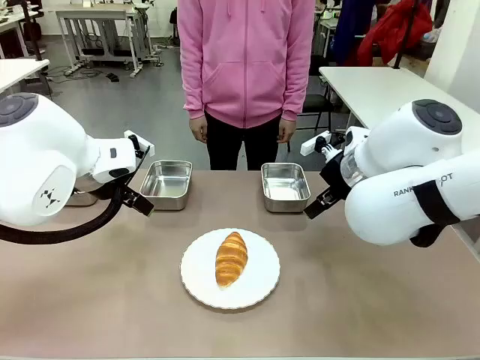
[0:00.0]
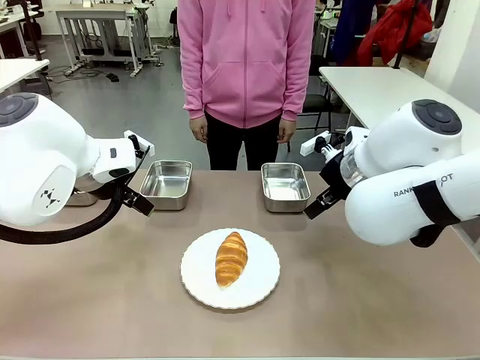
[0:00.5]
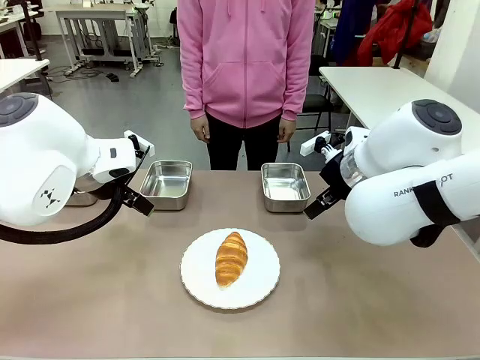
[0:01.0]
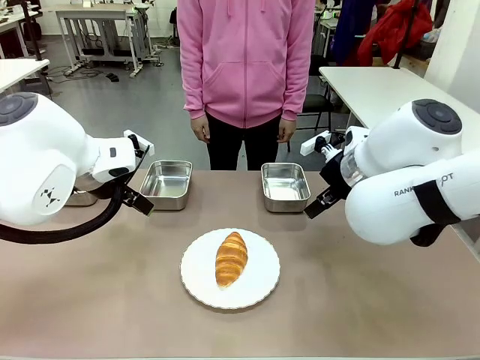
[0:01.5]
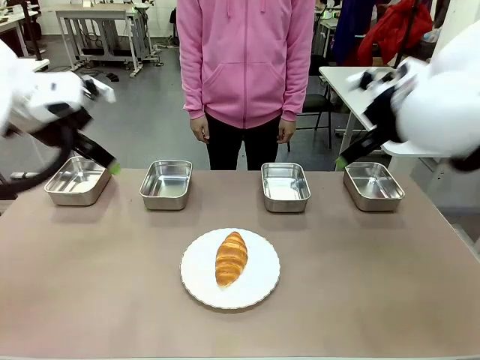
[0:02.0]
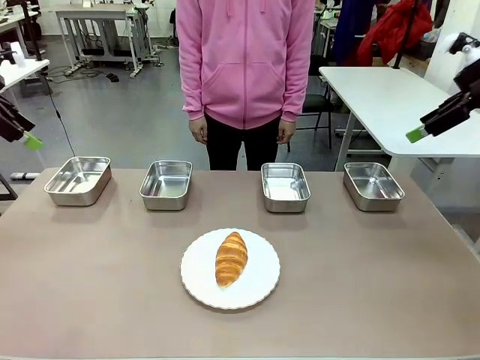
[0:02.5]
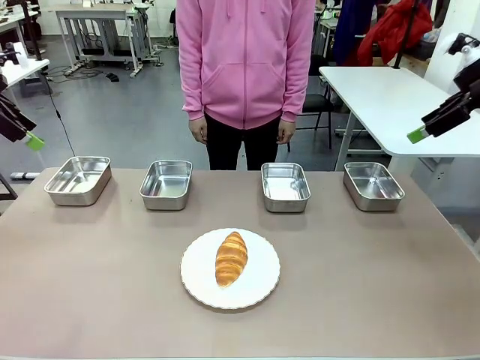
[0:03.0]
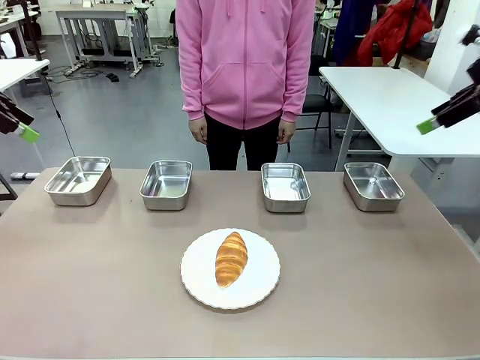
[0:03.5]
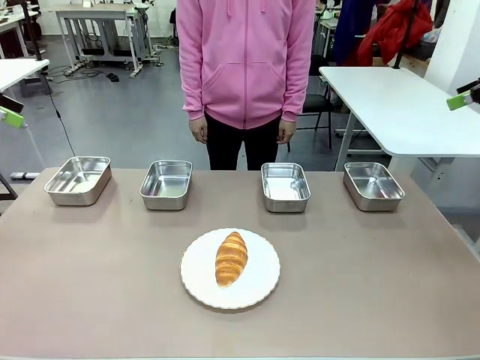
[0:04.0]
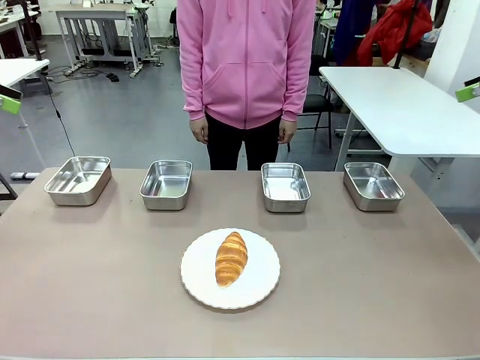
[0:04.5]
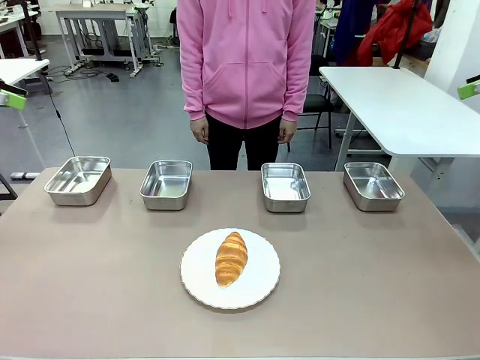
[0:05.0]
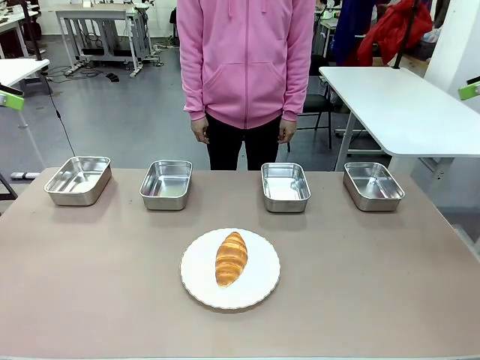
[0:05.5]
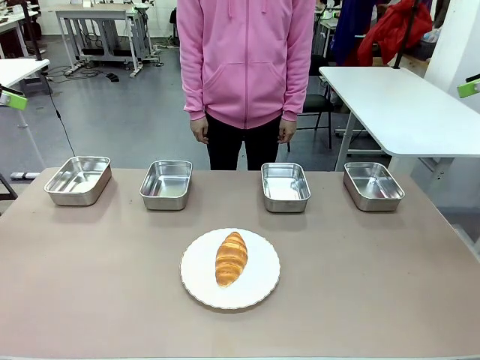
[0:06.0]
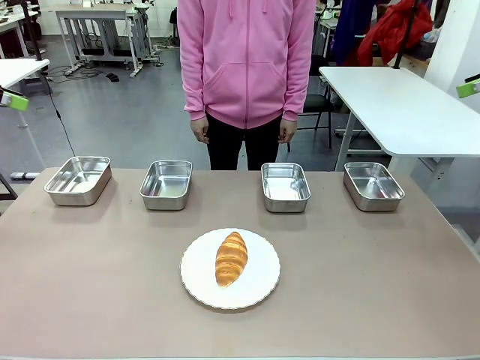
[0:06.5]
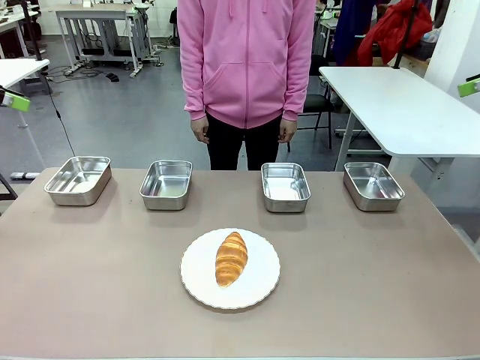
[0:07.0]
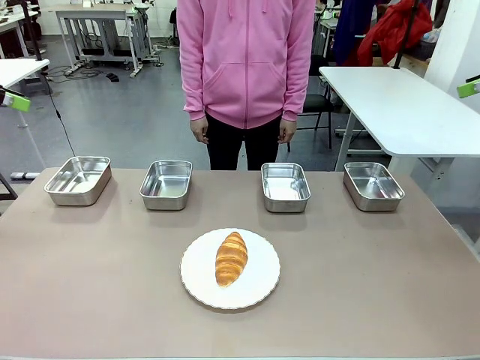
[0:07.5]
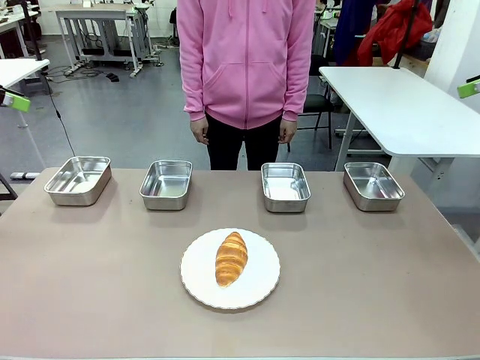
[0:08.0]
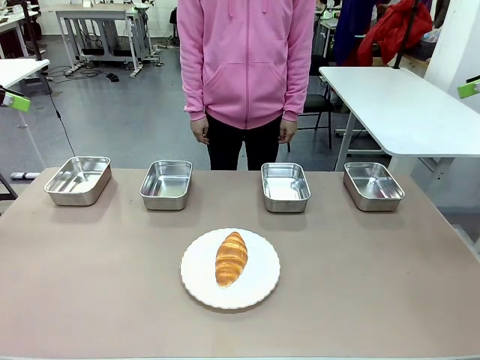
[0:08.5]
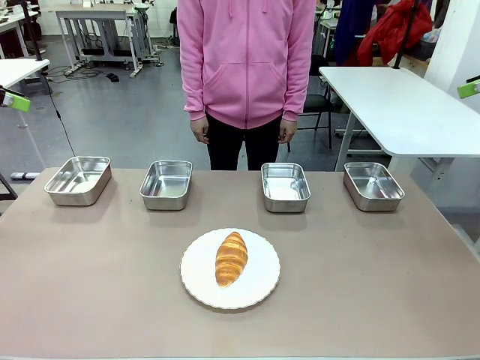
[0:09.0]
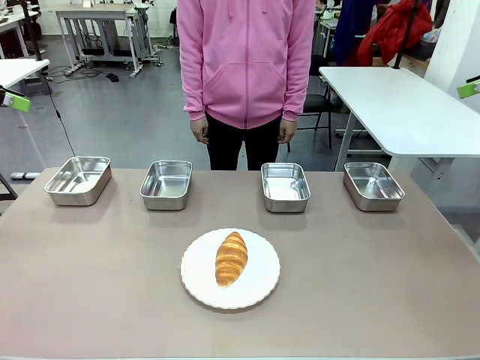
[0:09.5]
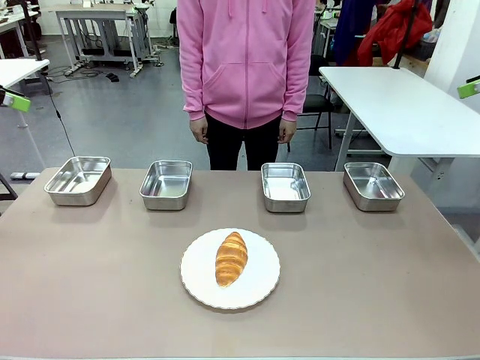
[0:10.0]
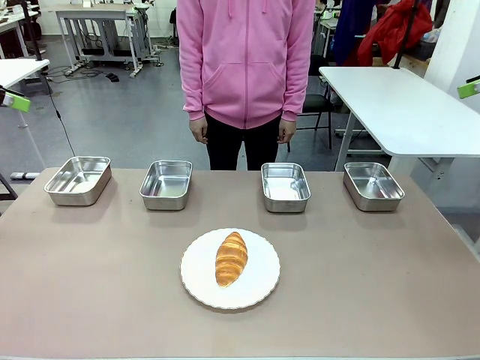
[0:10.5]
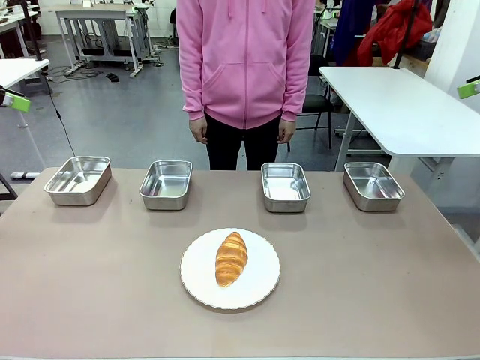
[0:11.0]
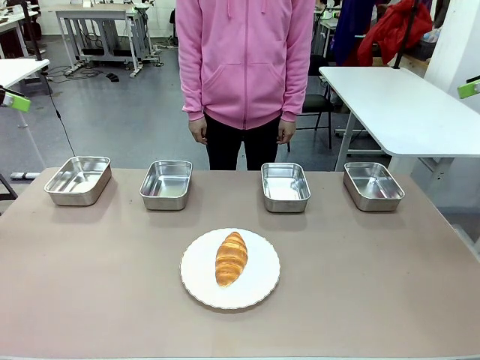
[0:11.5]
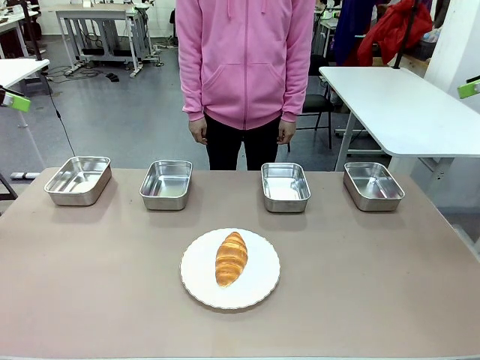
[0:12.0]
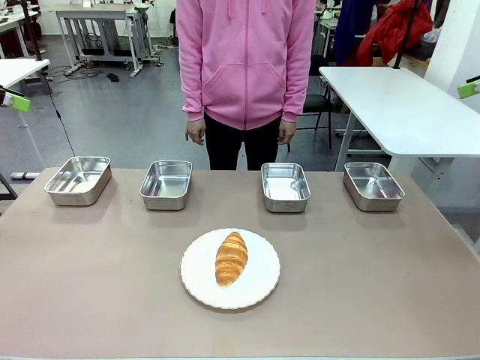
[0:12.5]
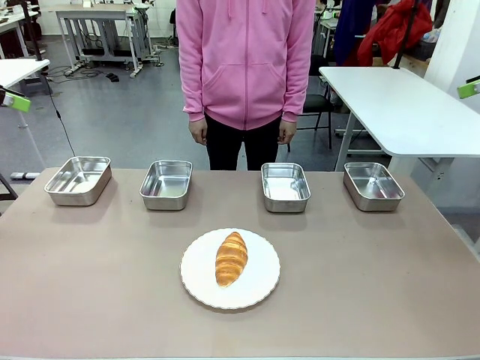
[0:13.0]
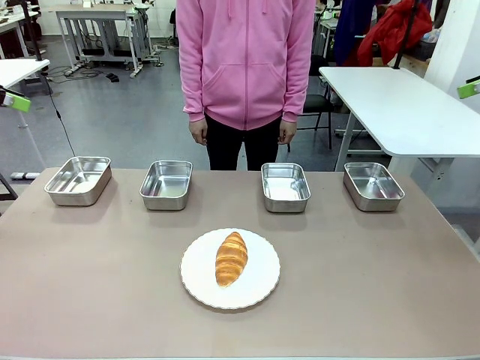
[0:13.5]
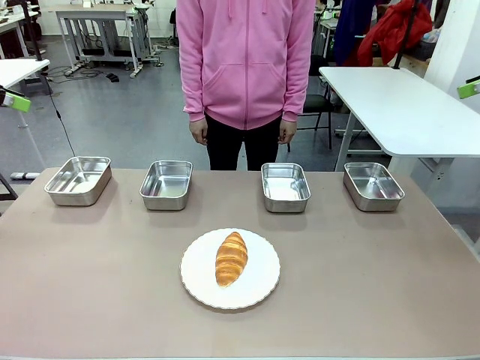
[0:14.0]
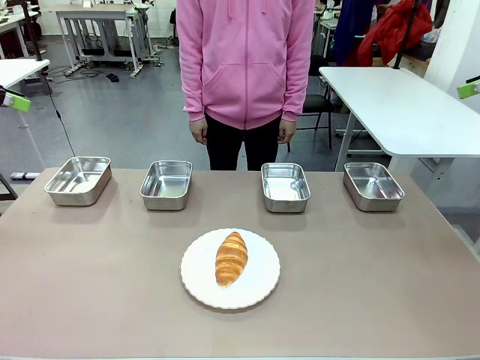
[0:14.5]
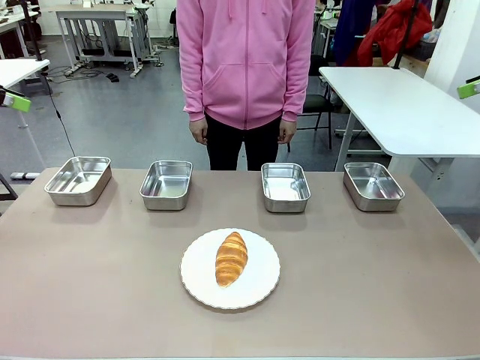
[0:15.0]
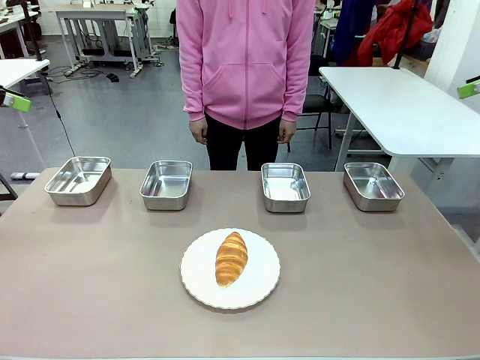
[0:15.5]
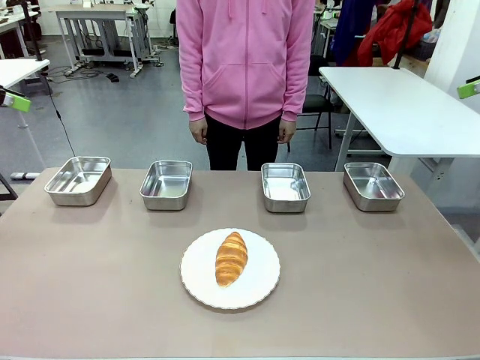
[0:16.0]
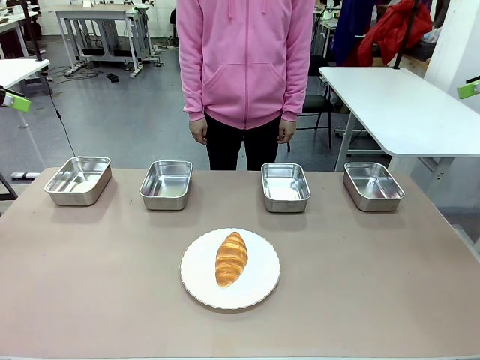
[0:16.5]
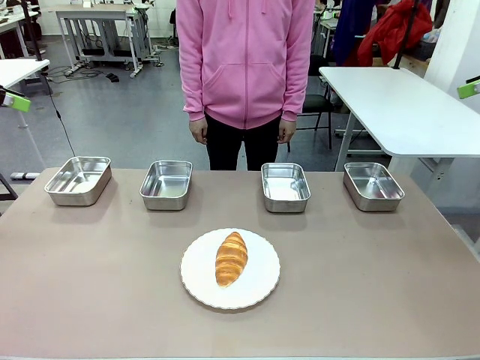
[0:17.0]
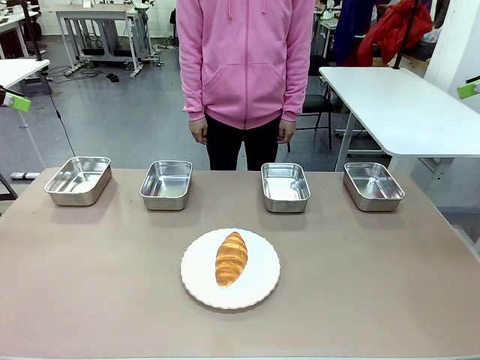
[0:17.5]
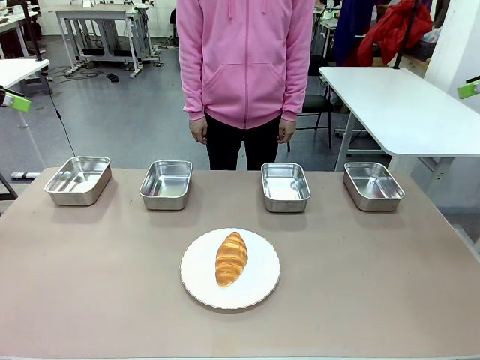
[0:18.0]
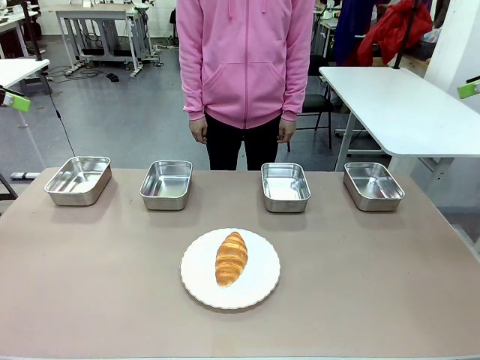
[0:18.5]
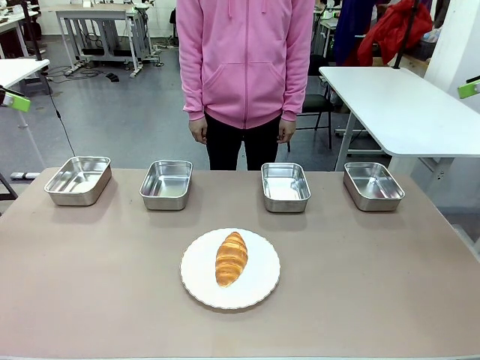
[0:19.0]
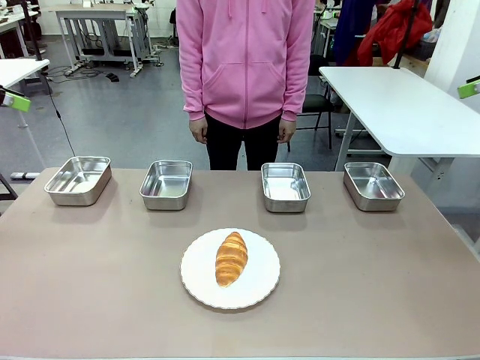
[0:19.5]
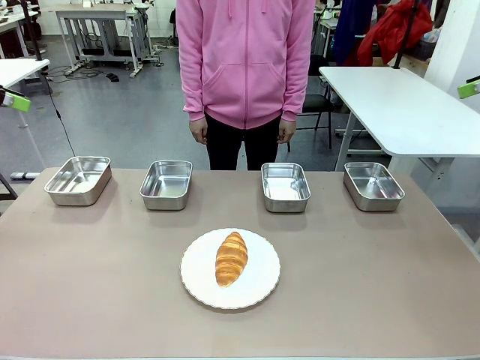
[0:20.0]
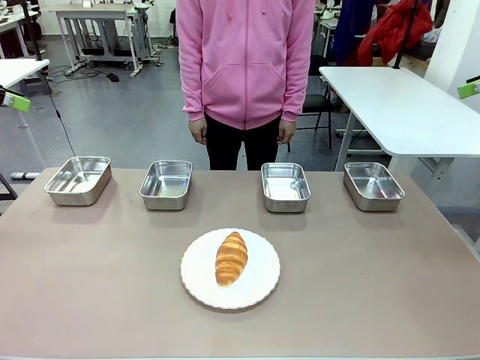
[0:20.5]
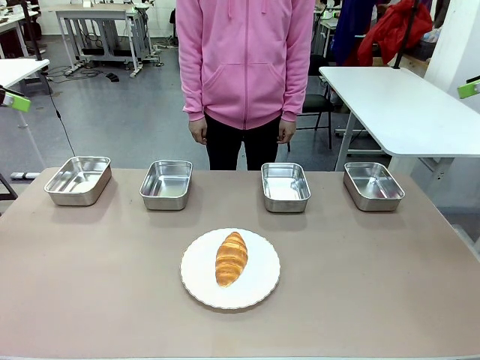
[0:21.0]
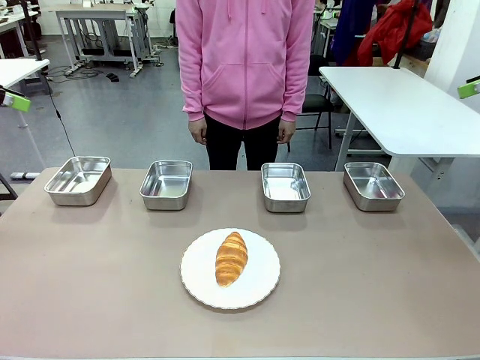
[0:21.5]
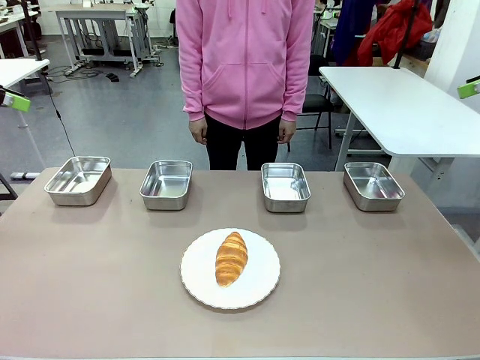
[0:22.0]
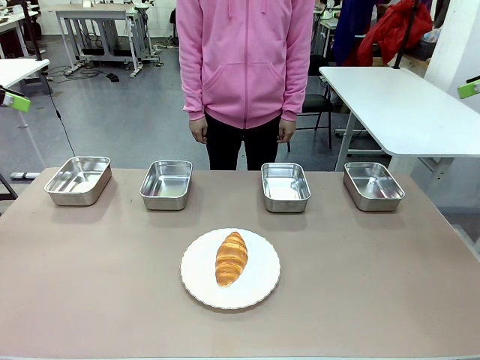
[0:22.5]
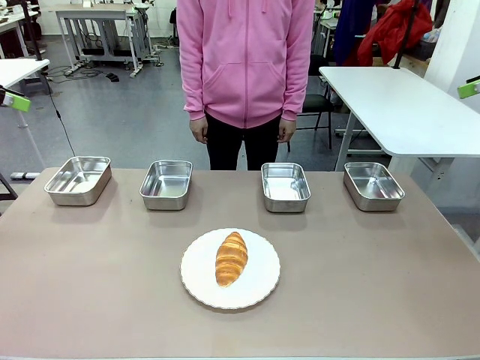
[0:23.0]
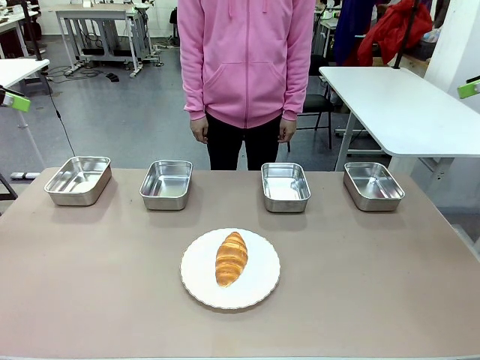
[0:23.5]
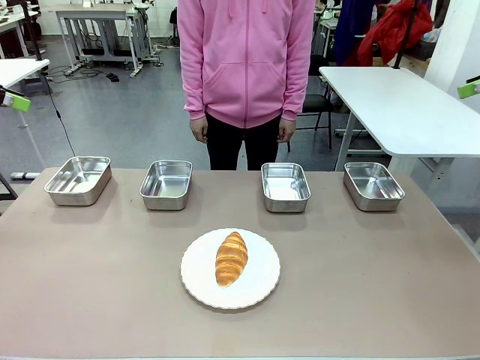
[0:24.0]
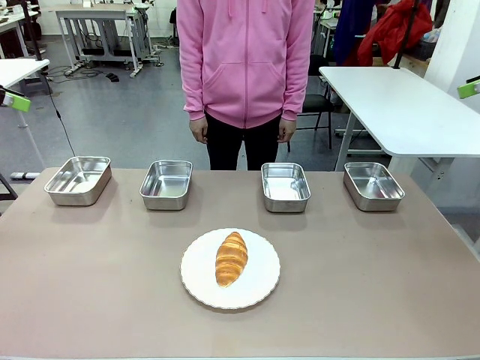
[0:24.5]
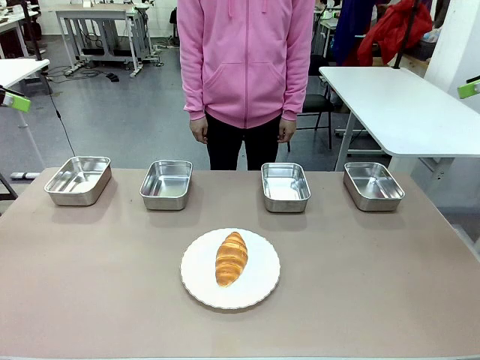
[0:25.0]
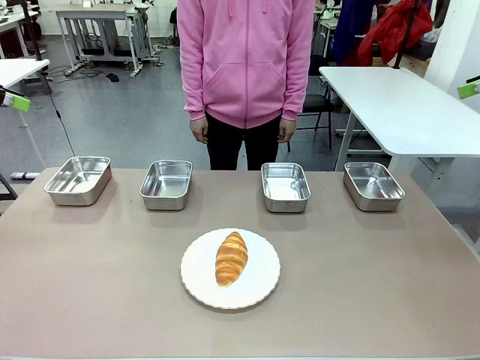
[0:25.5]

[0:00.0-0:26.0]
Task: Place the bread in the container.
Robot: Place the Butter Roll into the Airtight Container indicated by the human.
